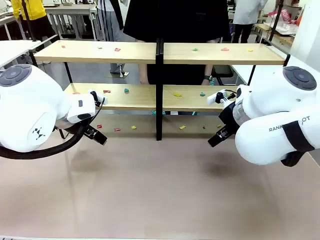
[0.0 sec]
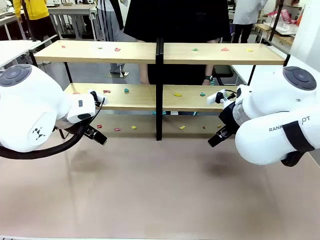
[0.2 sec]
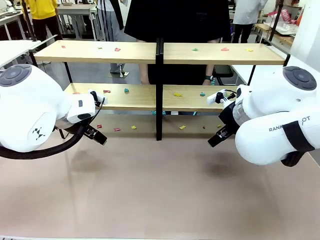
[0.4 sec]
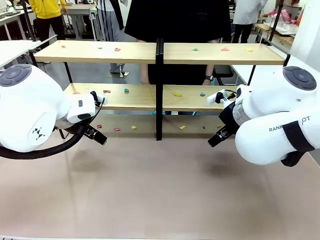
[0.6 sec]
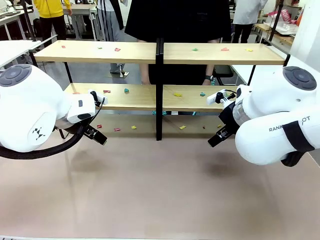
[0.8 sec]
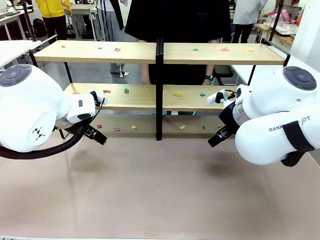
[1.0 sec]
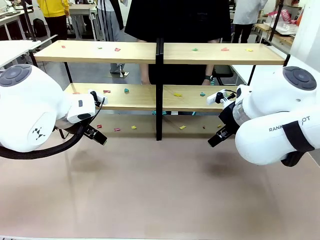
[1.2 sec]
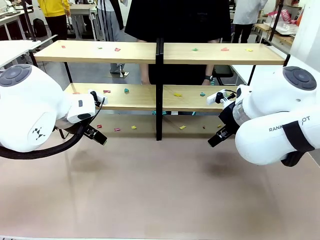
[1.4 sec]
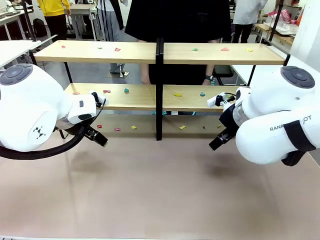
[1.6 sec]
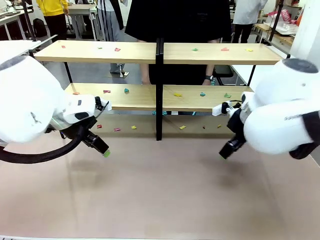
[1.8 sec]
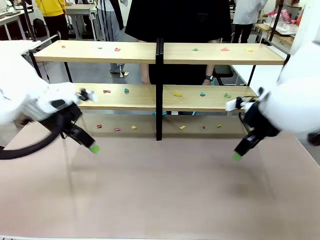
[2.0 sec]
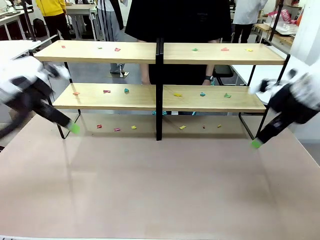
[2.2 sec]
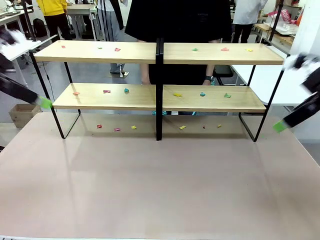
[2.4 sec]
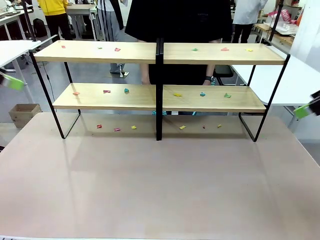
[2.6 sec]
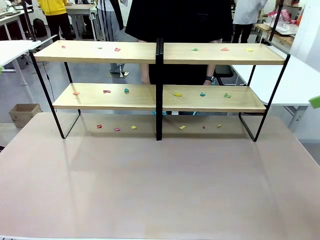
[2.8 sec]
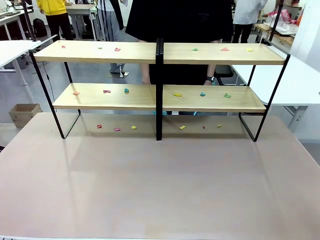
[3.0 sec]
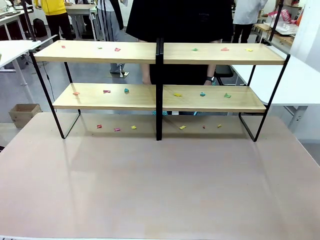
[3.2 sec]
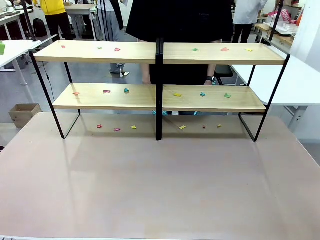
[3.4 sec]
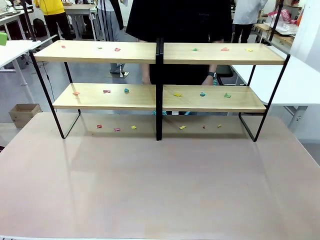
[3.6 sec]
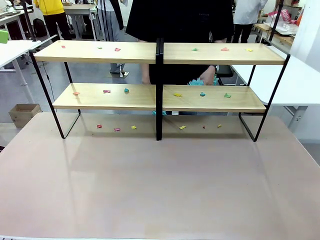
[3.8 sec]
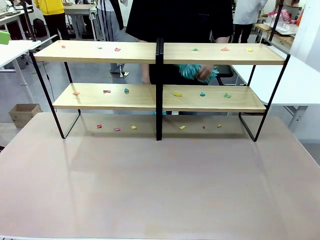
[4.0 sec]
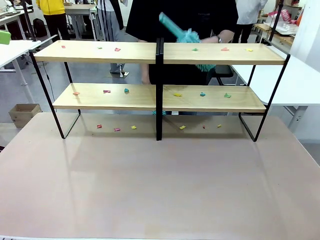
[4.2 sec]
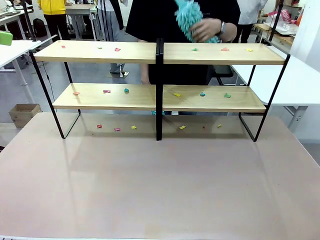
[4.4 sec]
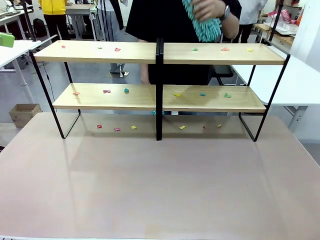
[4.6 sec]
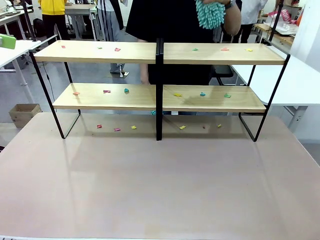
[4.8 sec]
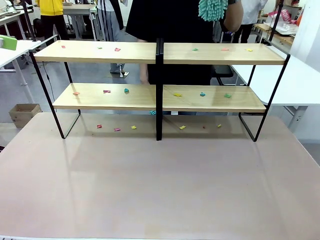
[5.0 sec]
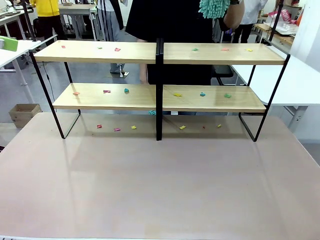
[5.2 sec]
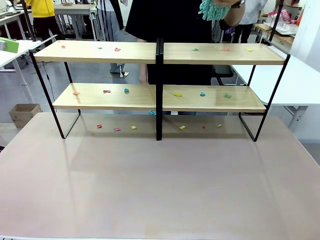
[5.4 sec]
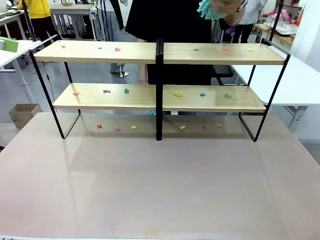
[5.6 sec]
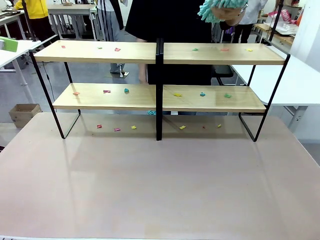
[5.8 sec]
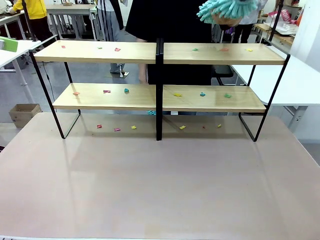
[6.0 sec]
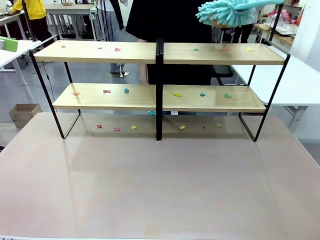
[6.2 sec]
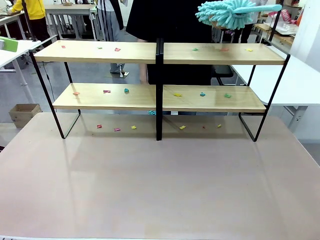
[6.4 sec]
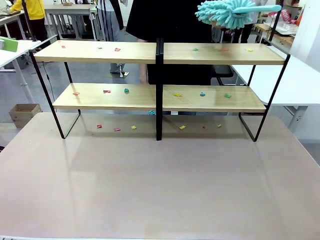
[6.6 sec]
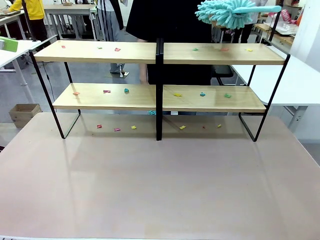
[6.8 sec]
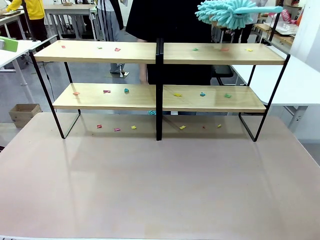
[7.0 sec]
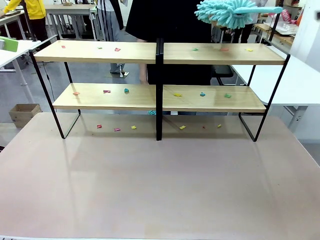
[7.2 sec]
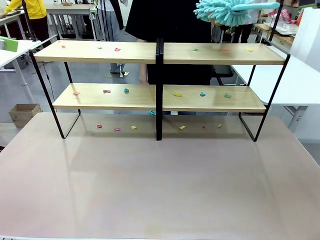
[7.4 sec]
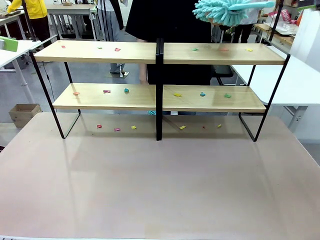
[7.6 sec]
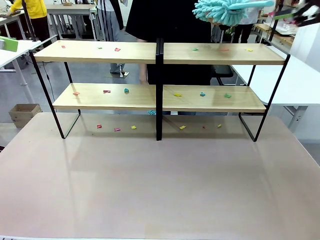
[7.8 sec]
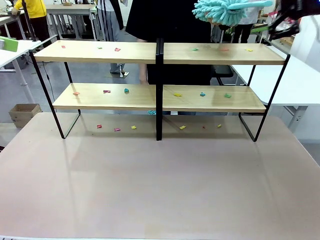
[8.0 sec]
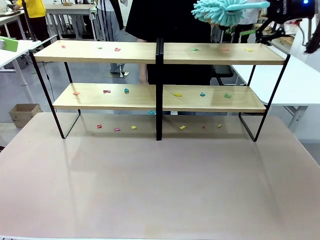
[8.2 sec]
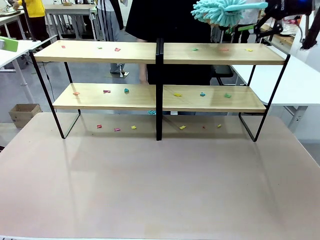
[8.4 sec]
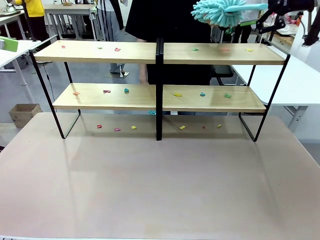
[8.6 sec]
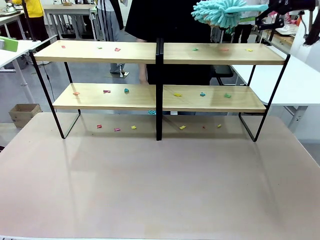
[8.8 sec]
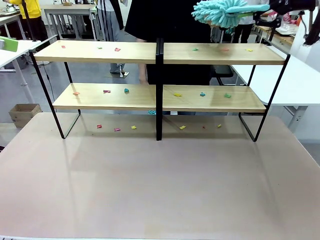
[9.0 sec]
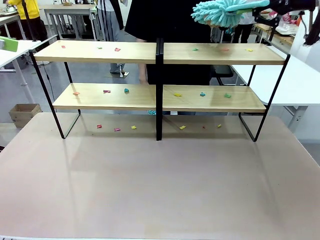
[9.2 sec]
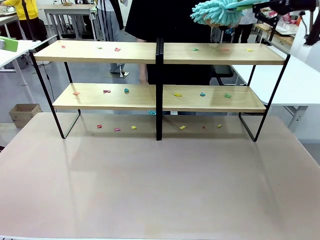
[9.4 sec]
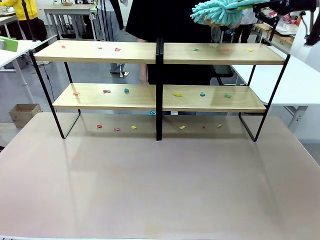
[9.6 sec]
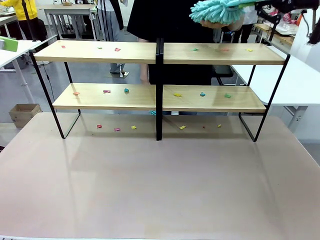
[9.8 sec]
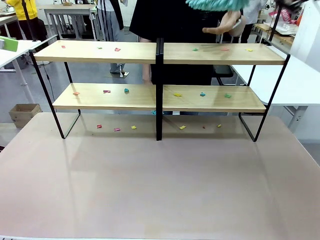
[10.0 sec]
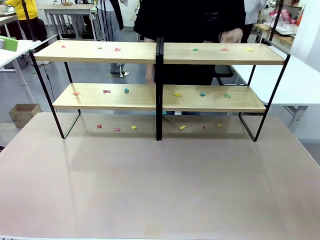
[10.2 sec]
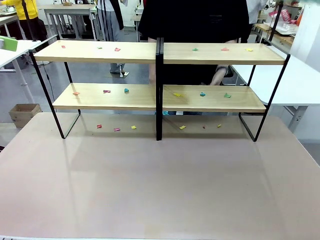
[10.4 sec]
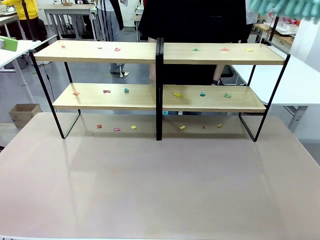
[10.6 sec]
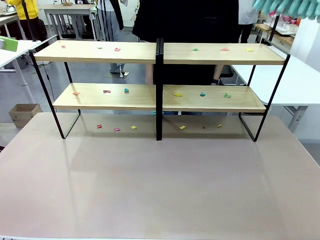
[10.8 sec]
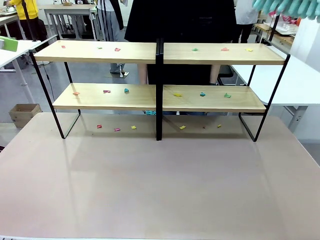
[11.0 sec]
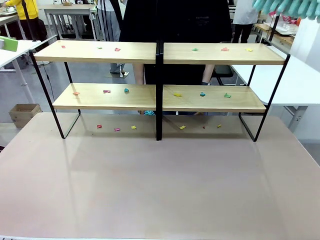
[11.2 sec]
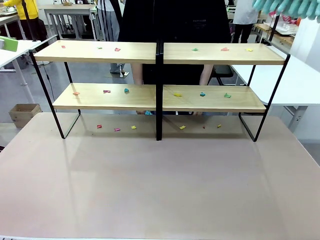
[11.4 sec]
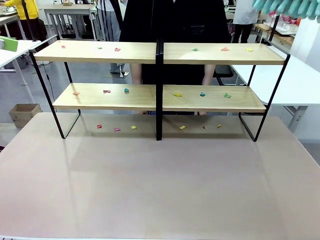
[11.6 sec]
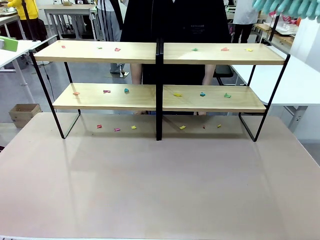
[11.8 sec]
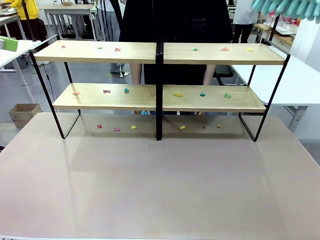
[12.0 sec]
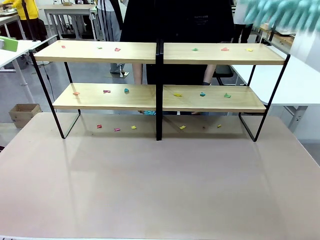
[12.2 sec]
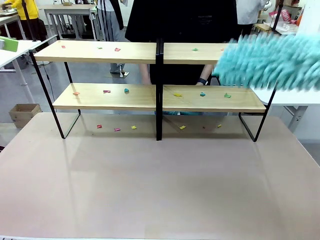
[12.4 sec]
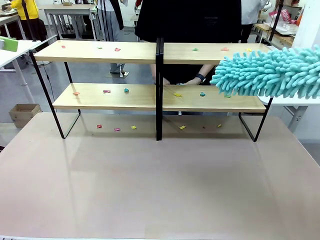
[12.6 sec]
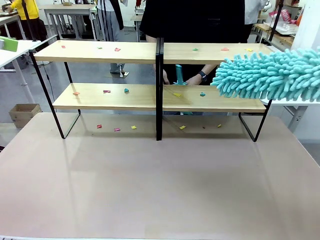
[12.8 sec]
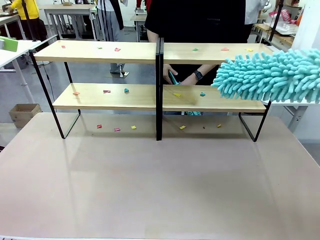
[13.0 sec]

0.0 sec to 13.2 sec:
Task: Clean the shelves.
Robot: Pick up the Duster when the human hands it over.
Person: Hand the Duster to the robot with your right (or left) hand.
